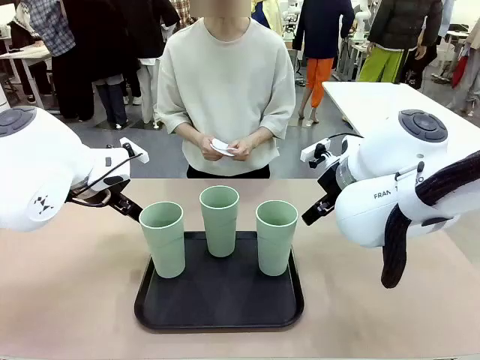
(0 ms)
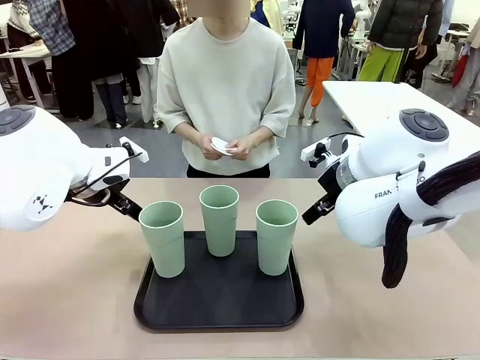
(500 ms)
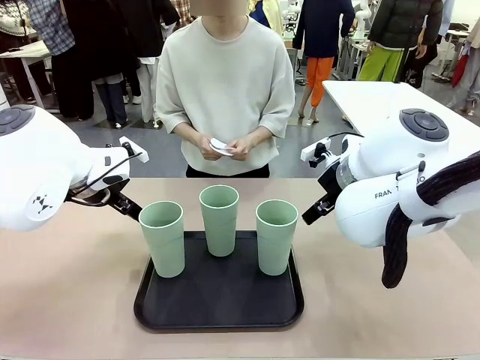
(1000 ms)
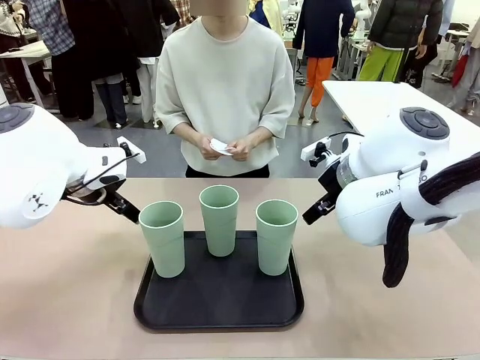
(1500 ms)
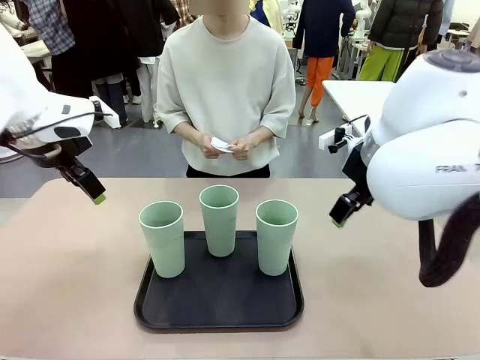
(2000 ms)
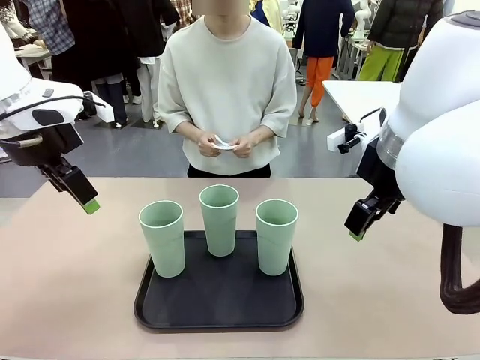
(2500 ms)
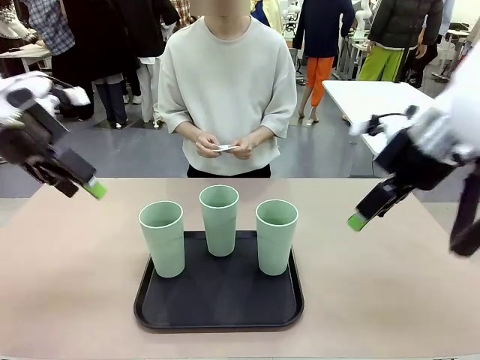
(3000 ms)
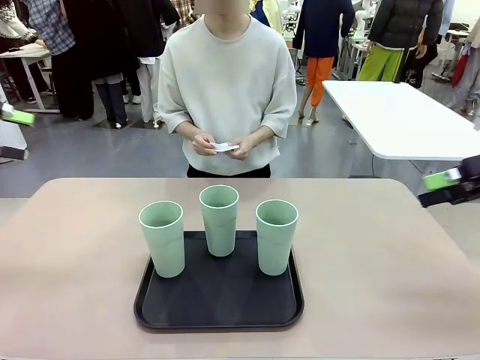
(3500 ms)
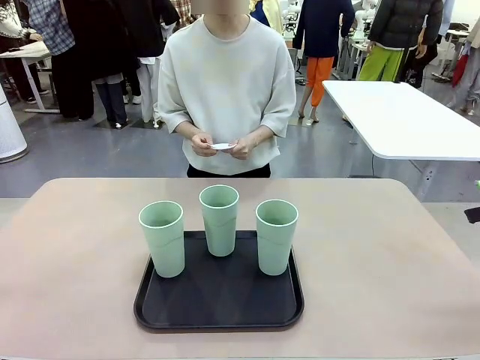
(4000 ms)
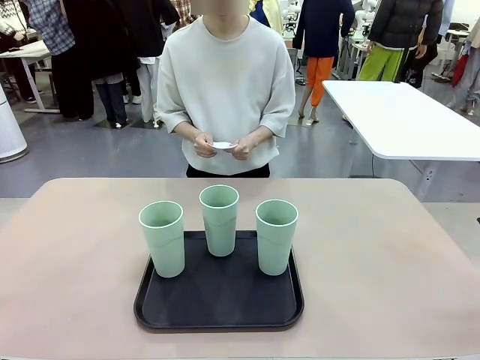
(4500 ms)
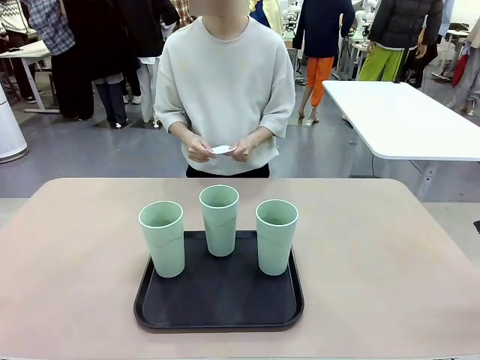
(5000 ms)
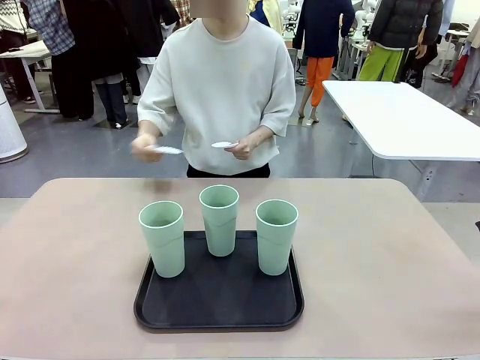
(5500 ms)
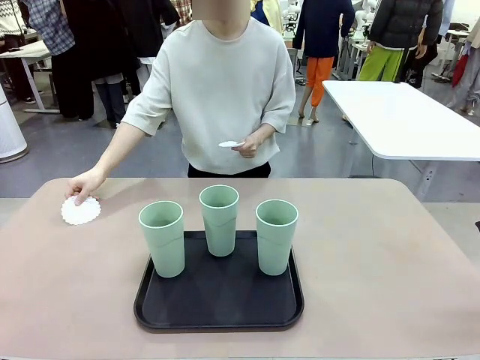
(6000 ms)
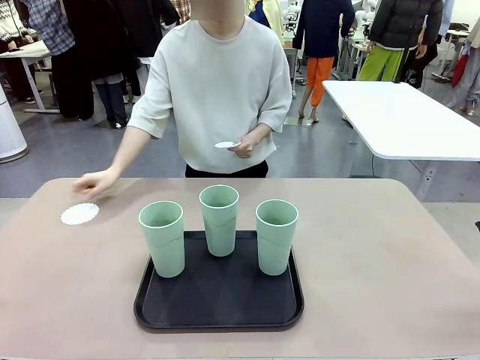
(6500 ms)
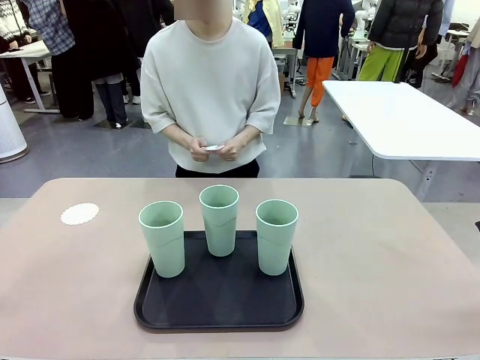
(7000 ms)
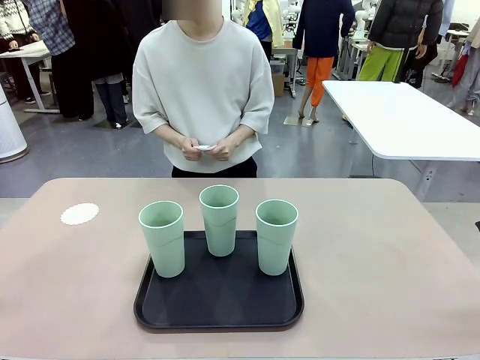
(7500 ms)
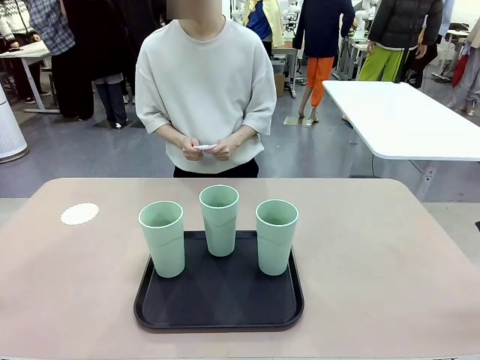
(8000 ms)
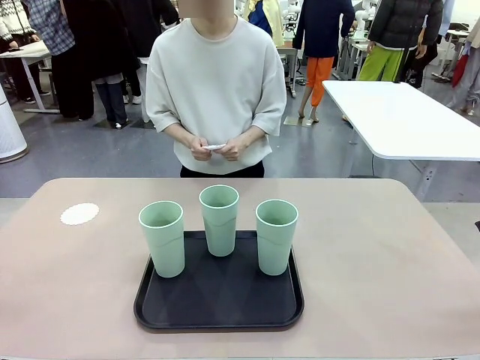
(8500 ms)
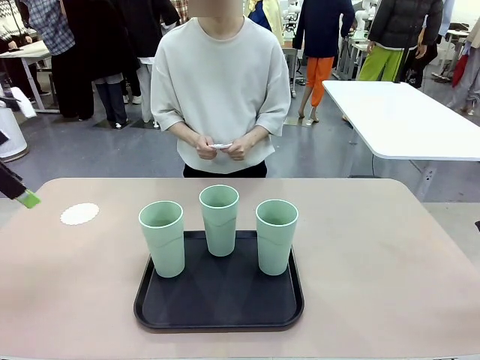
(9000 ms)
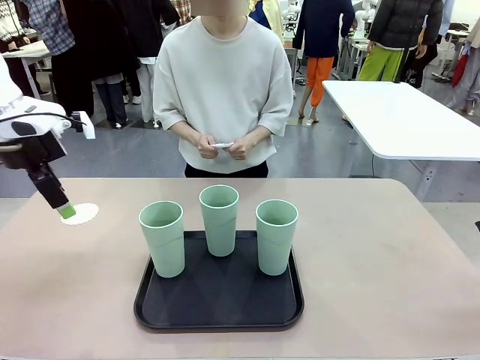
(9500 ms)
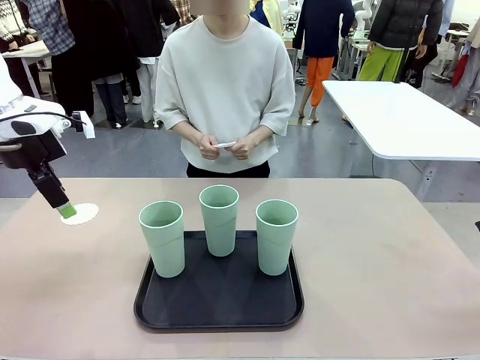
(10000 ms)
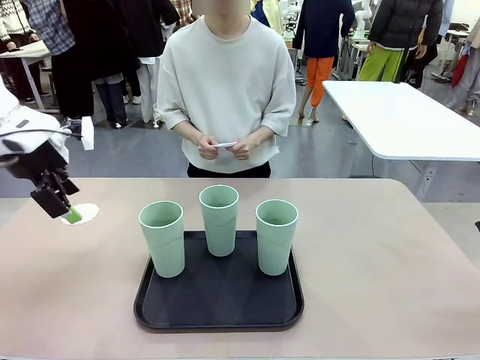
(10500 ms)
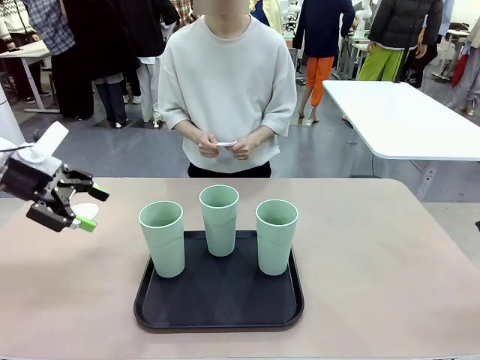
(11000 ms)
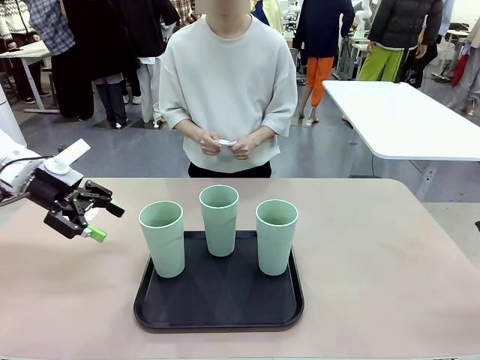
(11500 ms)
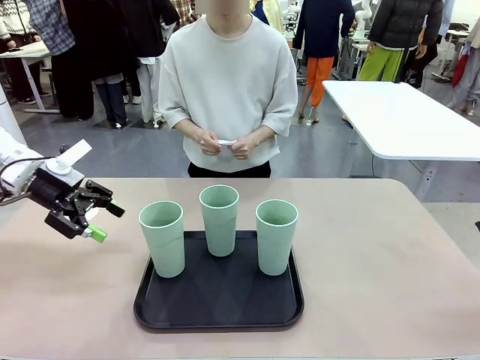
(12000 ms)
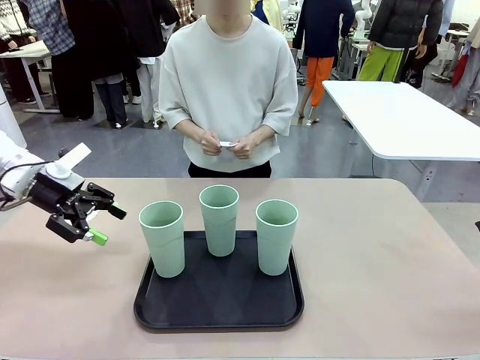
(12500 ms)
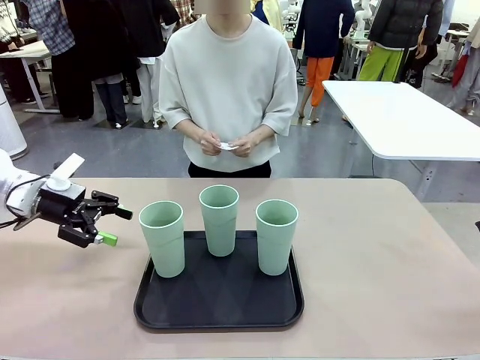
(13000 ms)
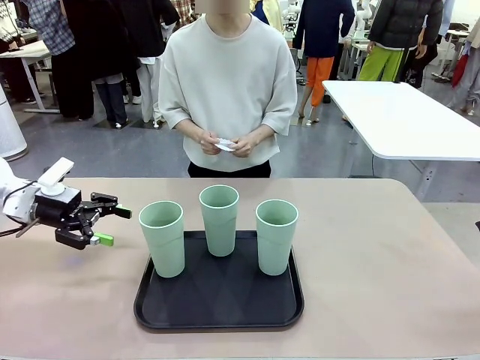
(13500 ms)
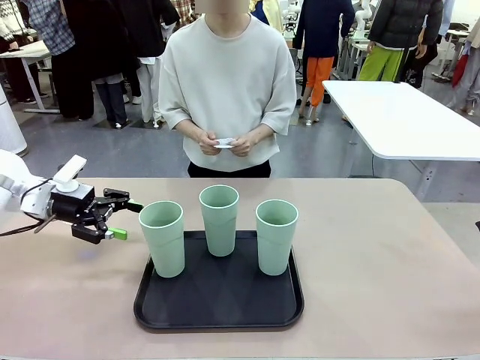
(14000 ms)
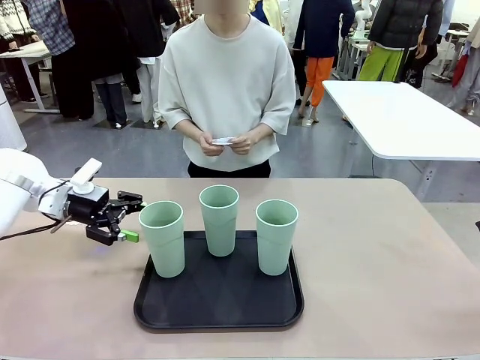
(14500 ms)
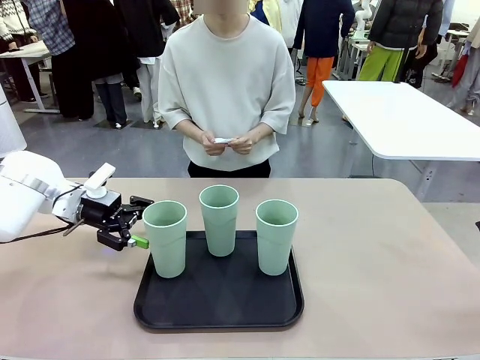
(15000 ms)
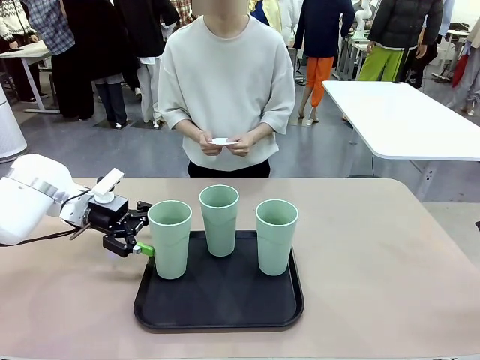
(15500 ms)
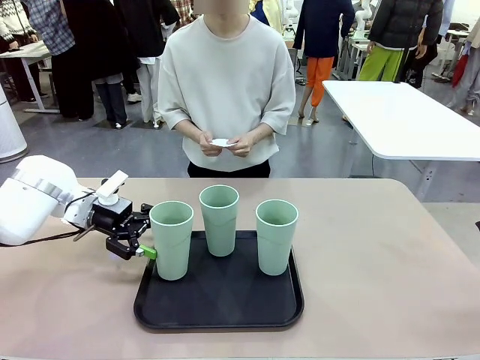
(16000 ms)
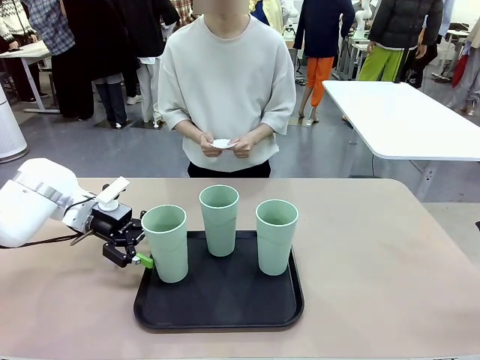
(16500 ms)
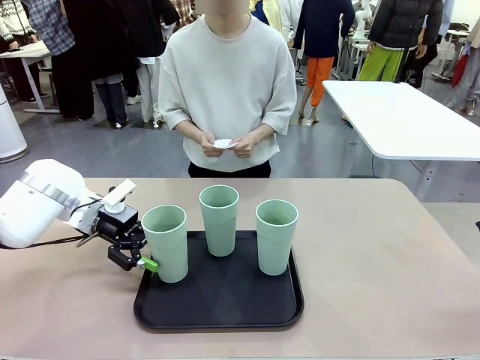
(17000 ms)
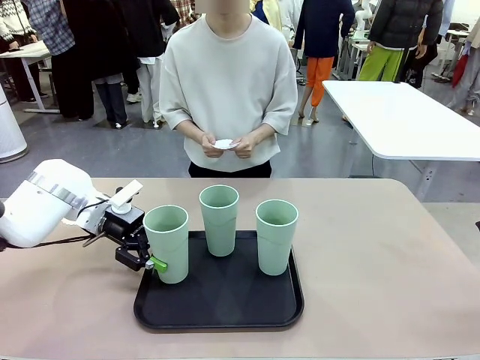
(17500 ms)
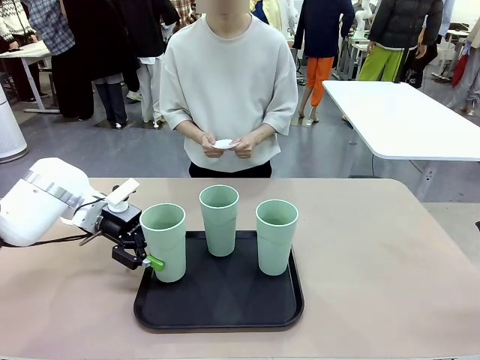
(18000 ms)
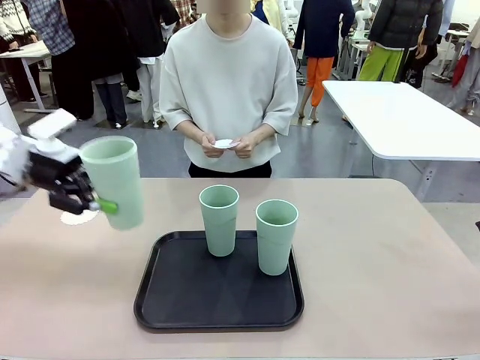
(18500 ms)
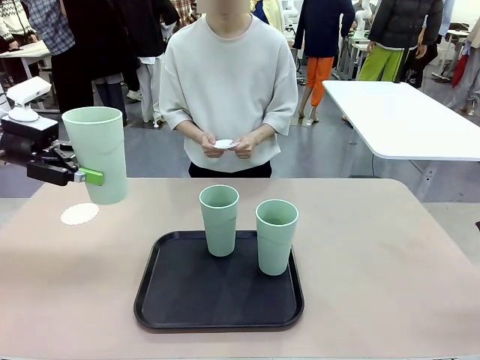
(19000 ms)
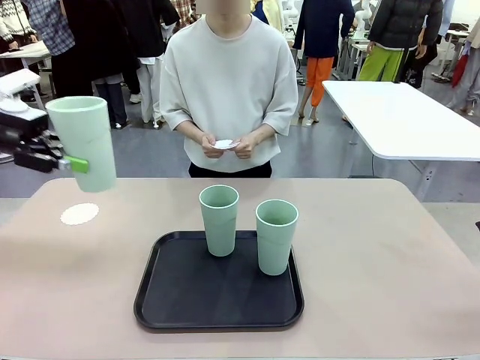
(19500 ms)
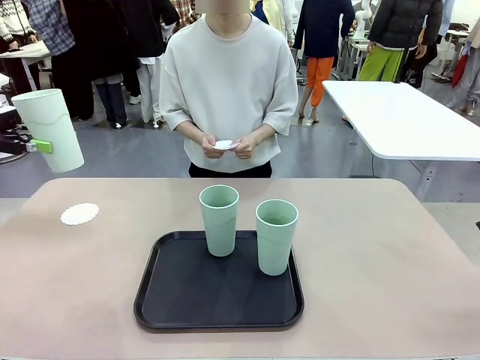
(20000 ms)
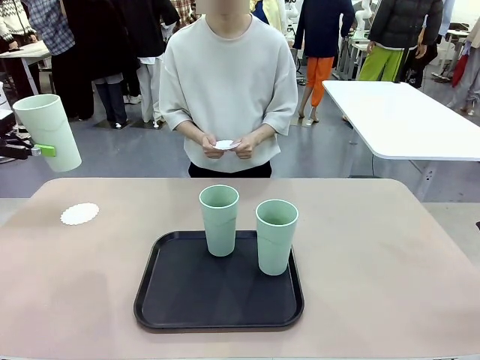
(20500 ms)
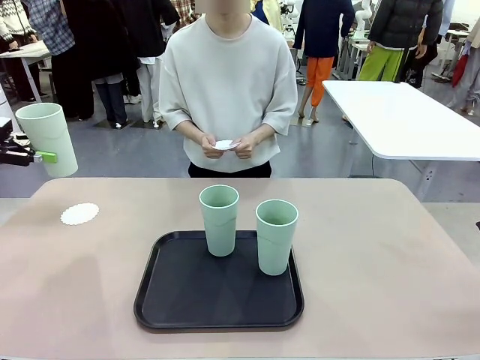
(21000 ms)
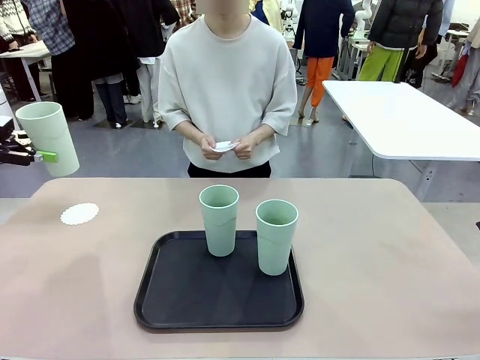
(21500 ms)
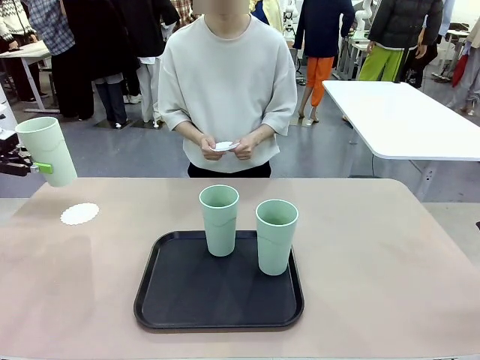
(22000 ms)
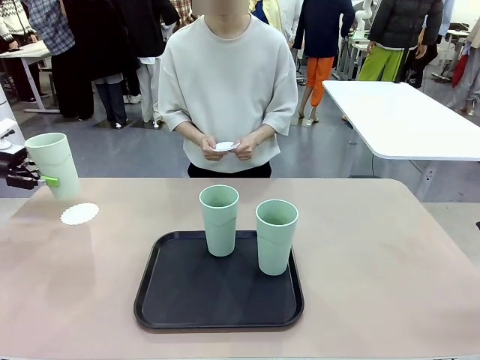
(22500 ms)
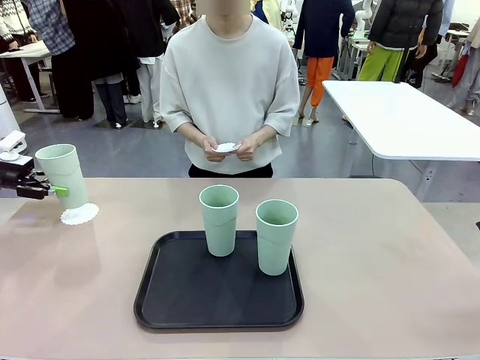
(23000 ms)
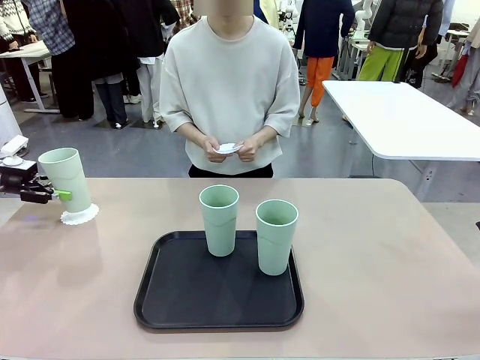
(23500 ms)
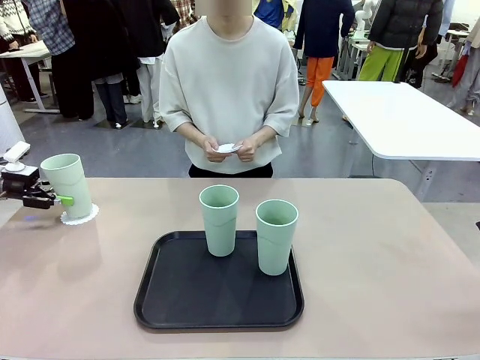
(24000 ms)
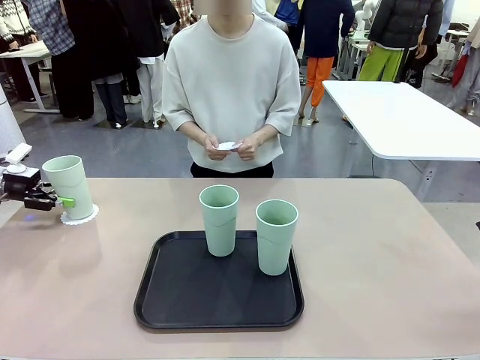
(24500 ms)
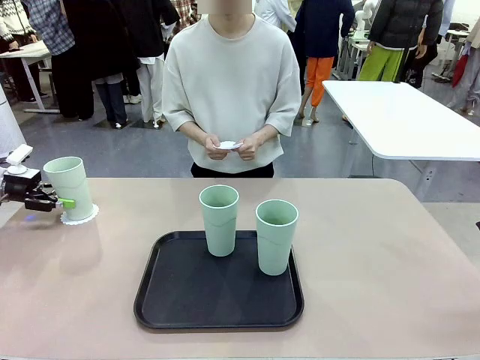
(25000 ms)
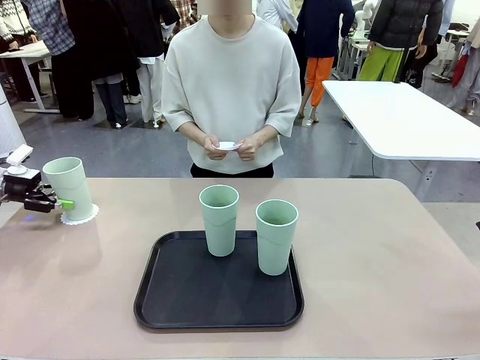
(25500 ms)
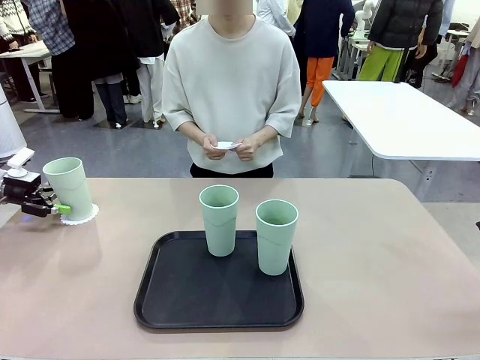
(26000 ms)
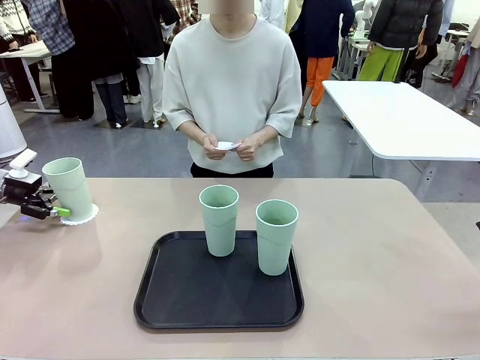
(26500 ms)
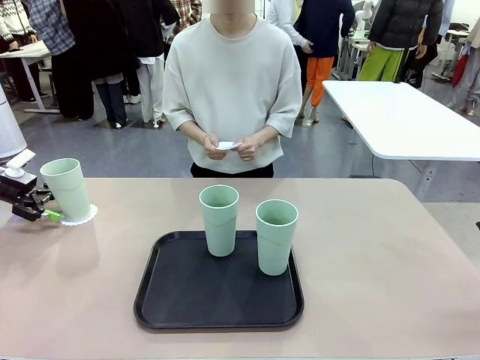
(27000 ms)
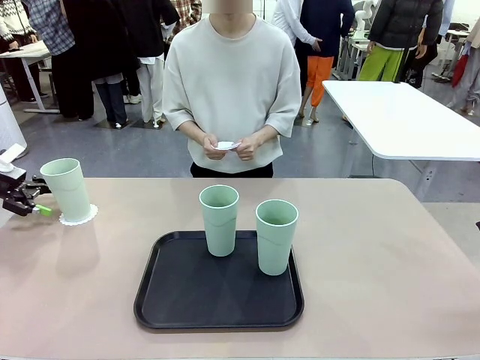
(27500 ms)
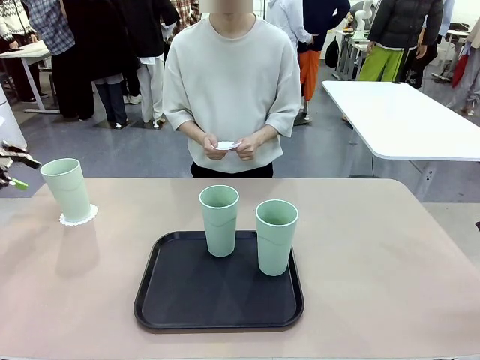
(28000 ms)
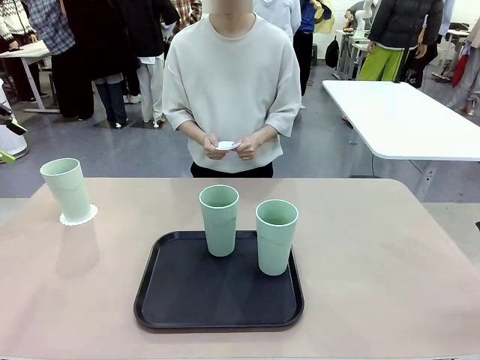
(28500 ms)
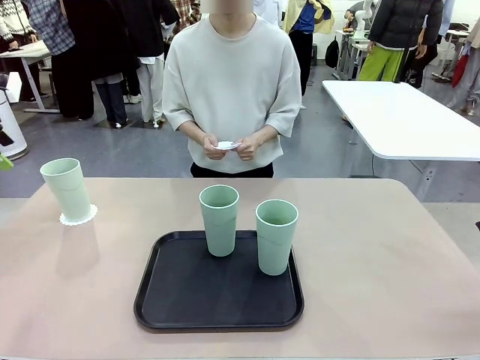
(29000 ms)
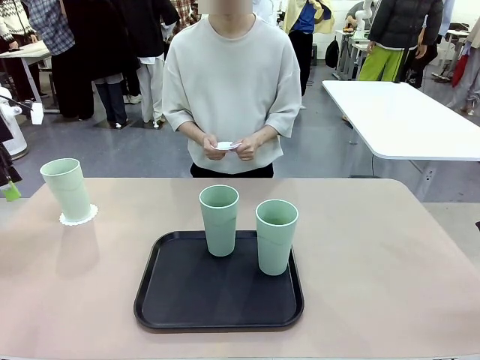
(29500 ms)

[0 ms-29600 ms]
Task: Place coasters on the table and set cups on them.
Robot: Pick up one Reusable plastic cup and place it on a coaster set by the human.
Person: Place one coaster in any one of the three lower areas of the robot table (left, center, or right). Place one coaster in one of the two areas excluding the previously selected area.
